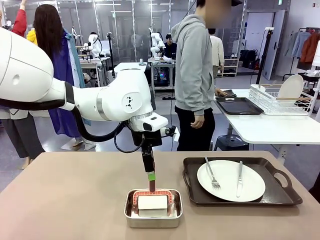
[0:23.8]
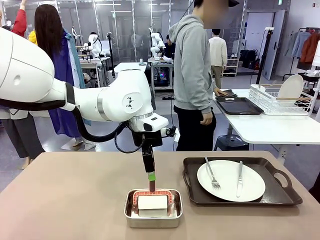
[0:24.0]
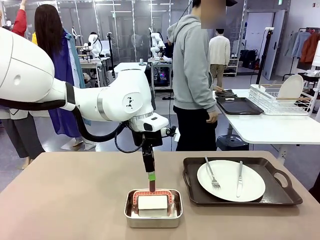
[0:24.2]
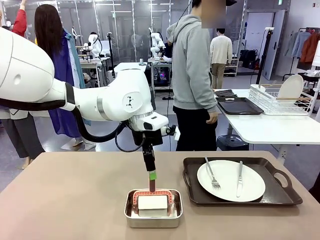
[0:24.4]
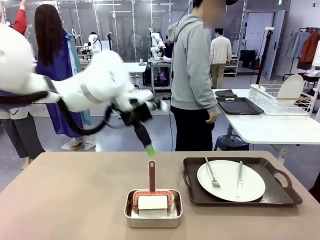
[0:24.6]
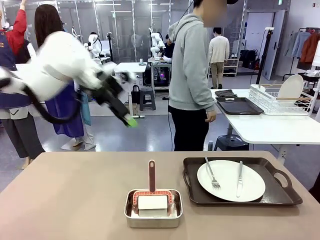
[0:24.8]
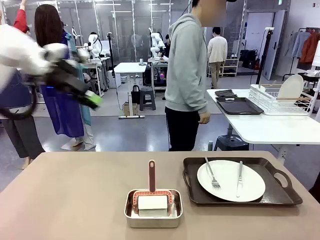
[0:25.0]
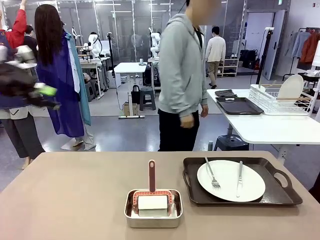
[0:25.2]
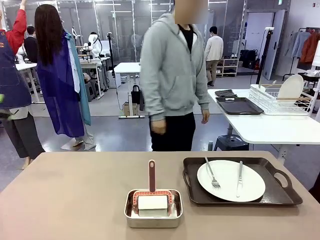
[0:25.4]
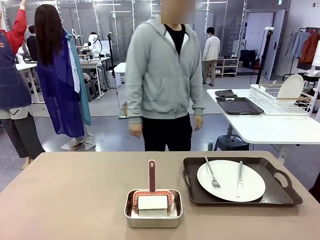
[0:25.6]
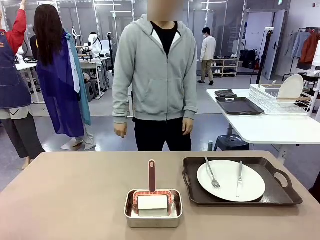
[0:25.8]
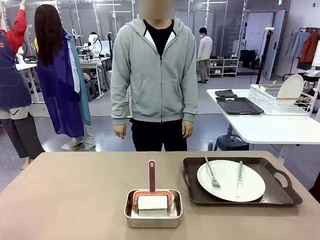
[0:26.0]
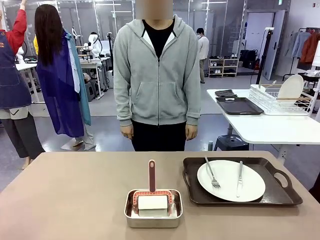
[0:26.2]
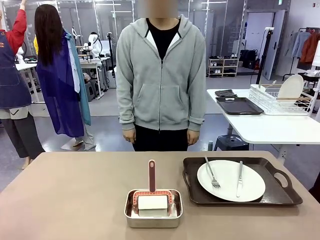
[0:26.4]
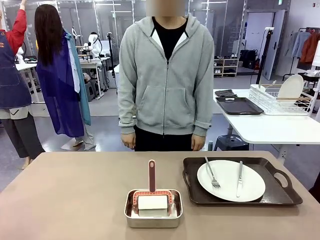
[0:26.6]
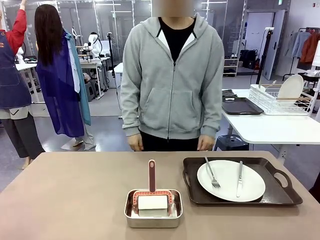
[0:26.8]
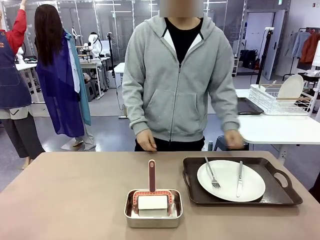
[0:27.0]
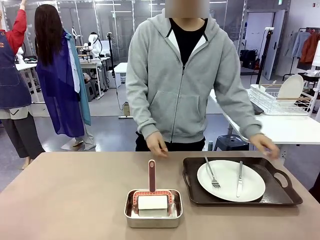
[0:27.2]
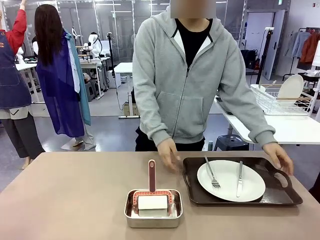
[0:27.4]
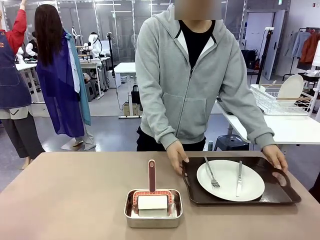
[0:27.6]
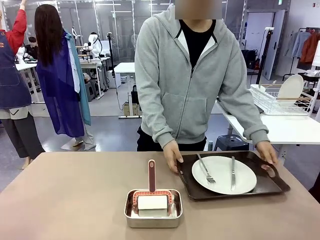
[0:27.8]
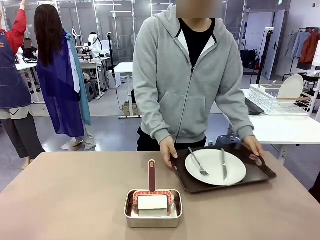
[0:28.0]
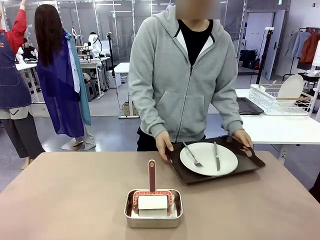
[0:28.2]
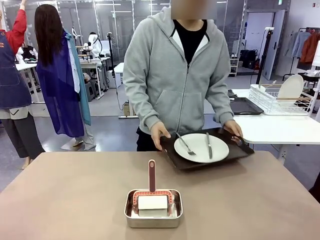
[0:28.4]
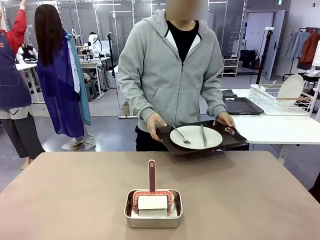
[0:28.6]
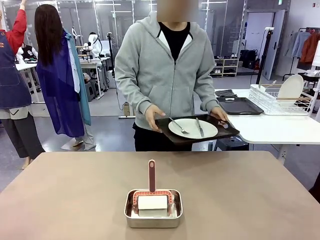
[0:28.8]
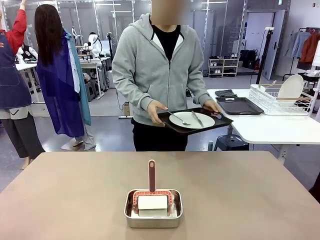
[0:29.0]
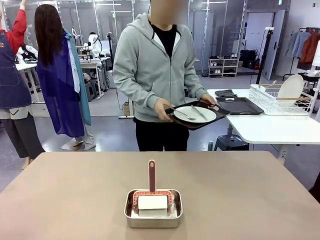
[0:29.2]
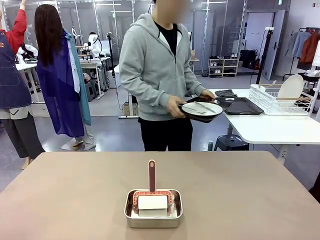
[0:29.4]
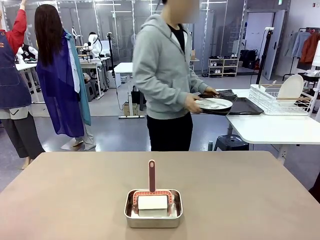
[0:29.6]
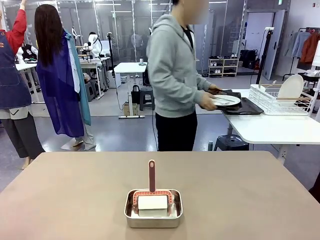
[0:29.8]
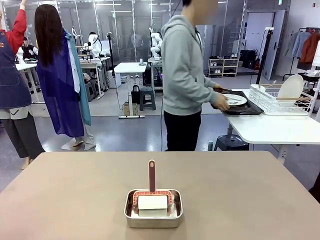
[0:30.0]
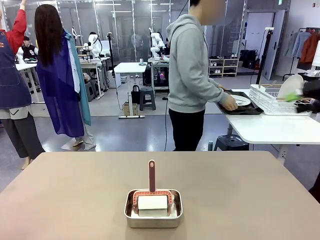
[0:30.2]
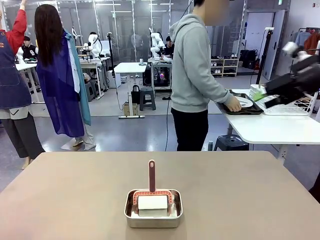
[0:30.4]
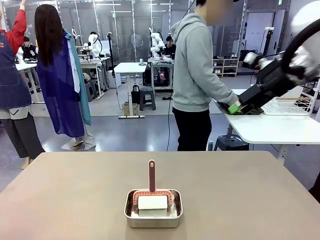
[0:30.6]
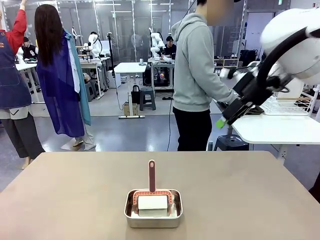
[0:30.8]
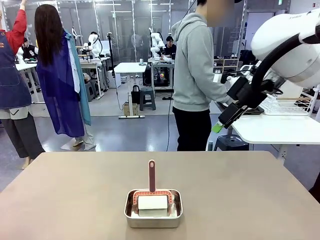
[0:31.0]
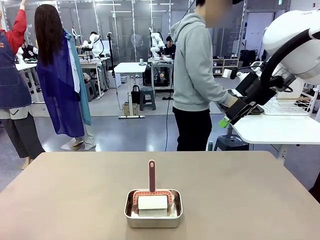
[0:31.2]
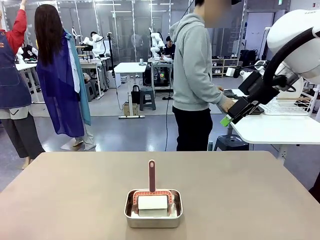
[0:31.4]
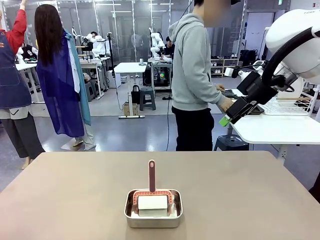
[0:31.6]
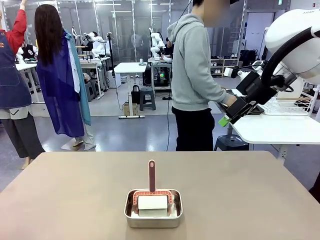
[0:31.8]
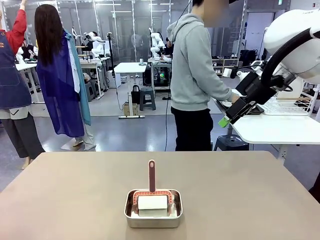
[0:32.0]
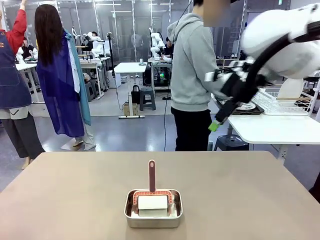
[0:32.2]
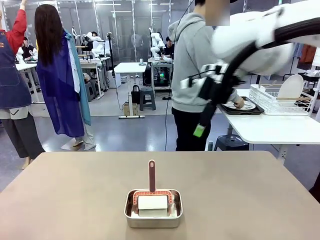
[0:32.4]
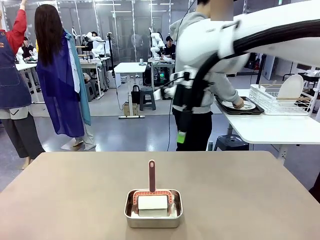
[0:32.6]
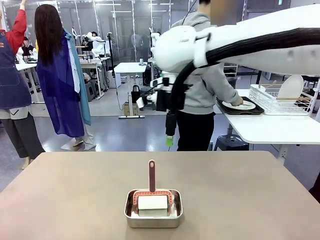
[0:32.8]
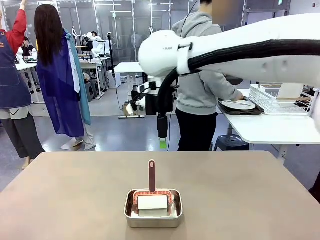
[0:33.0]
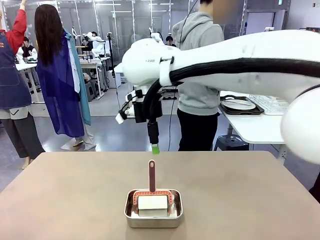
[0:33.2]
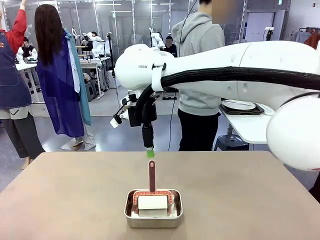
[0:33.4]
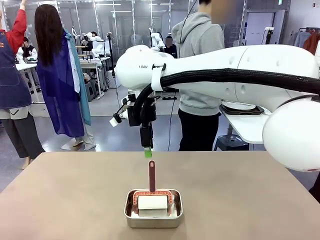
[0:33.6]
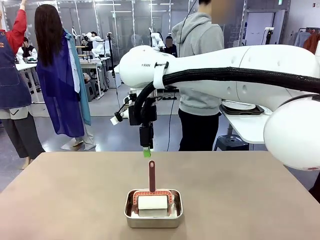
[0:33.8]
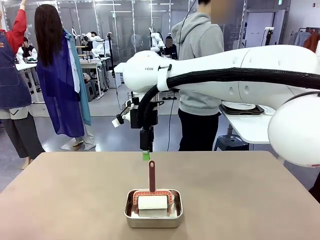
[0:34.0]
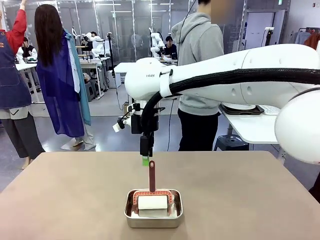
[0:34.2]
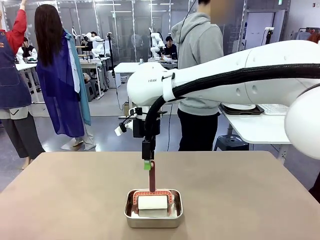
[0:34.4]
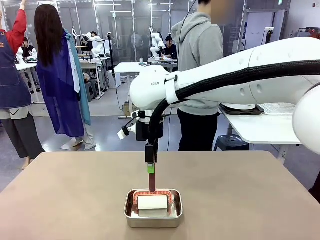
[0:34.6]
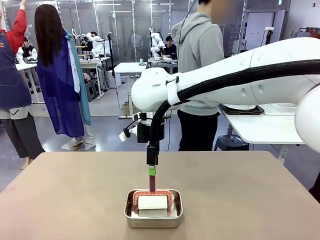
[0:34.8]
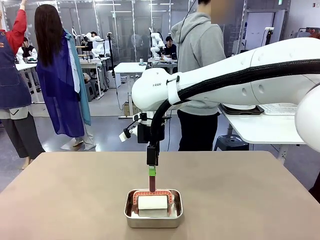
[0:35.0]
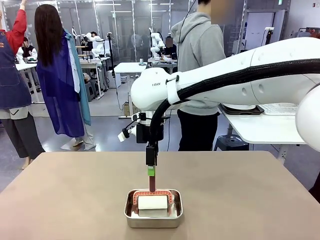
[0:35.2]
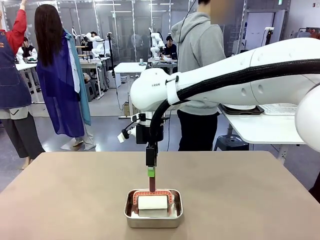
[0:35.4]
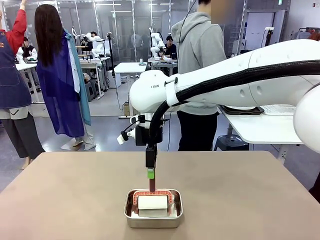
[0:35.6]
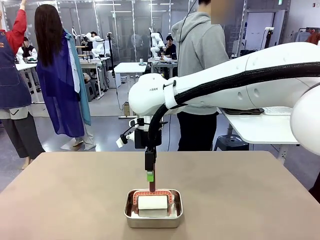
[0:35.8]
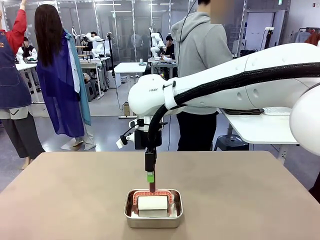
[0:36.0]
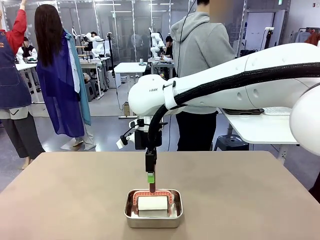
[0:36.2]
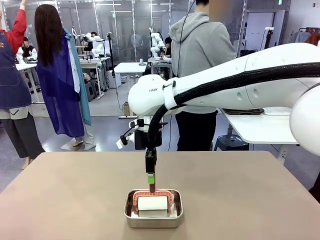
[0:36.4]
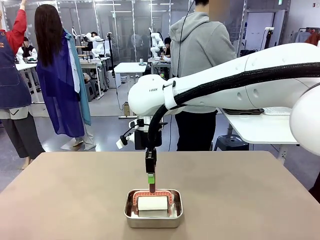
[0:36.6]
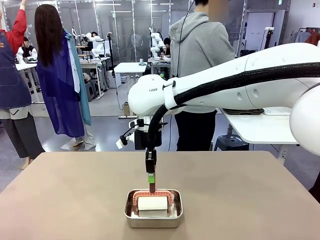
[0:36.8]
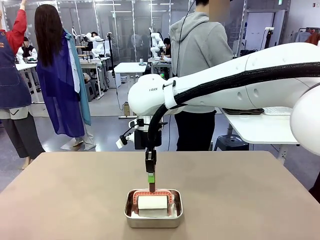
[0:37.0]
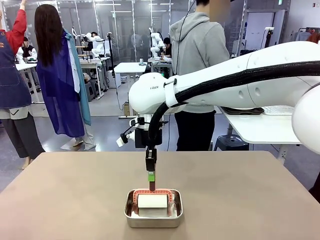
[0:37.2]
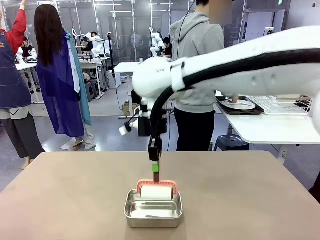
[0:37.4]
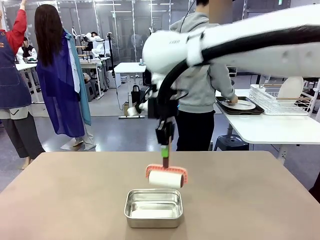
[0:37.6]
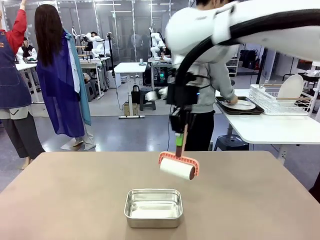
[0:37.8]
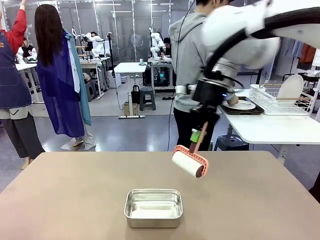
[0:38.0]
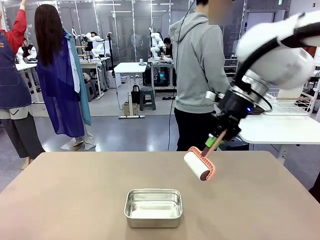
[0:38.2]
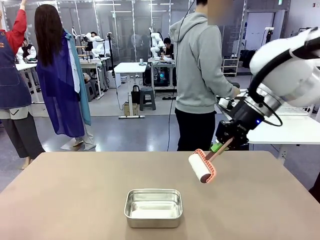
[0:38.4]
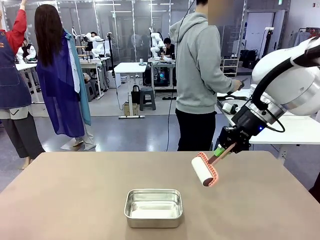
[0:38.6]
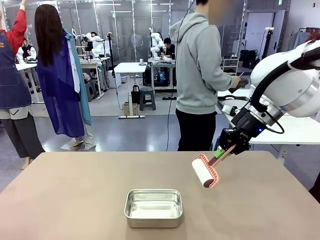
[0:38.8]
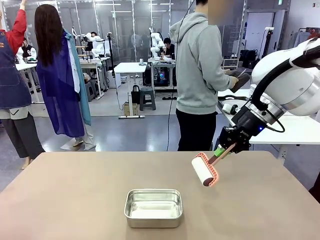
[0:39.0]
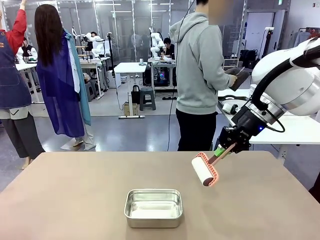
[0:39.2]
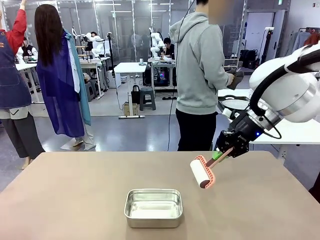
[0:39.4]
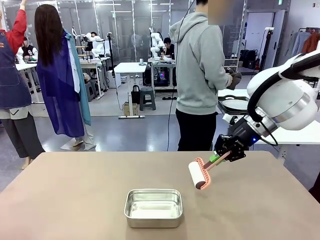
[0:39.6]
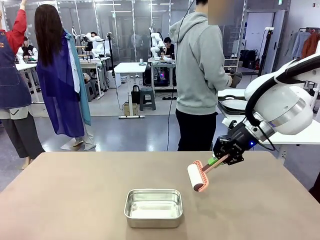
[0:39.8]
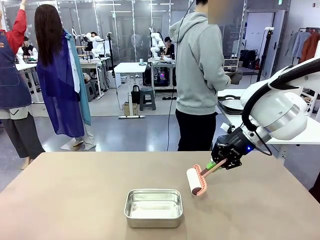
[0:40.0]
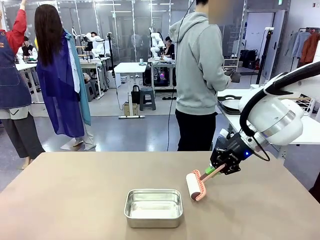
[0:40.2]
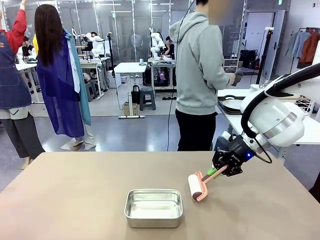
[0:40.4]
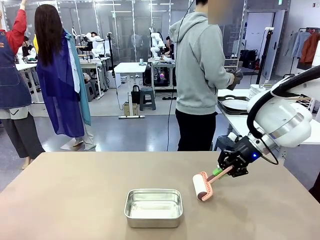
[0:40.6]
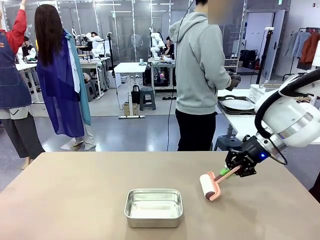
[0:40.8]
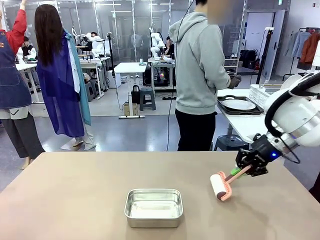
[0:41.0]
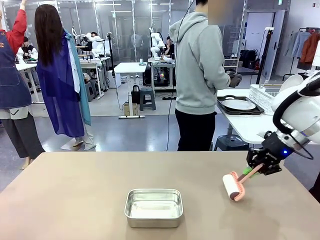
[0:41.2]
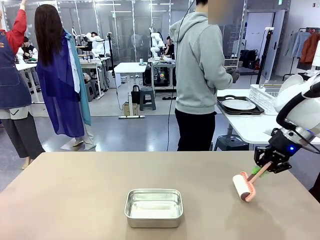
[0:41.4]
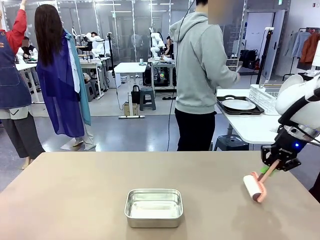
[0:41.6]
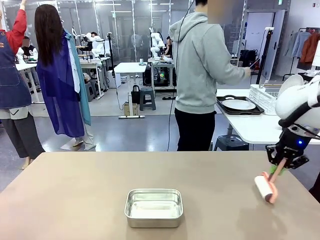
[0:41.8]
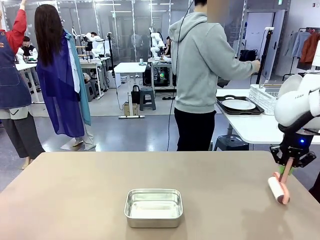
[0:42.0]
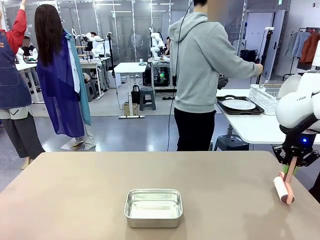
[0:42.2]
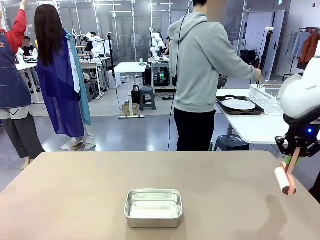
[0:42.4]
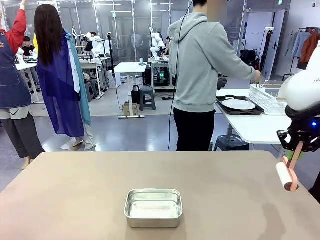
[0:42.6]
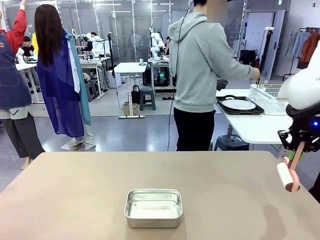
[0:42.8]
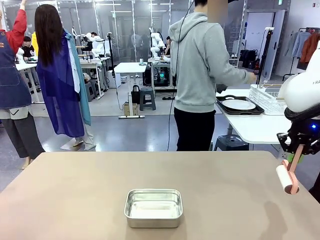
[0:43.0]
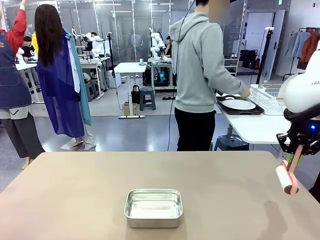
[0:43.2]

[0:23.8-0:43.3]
Robot: When the right (or left) Handle tray is removed, use the right hand (or left hand) to clean the right (or left) side of the table with the Lint Roller.
Person: Pick up the left (or right) Handle tray and place it on the Handle tray. Use the Towel with hook to wipe the Plastic Matte Plate , Fork , and Knife and place into the Dish drying rack.
